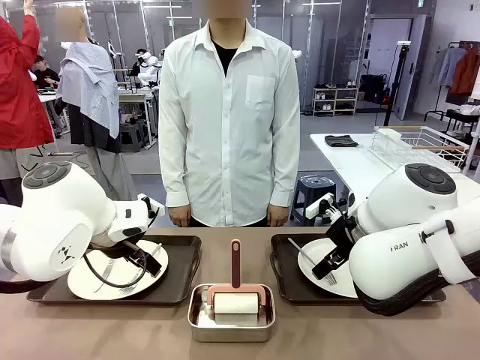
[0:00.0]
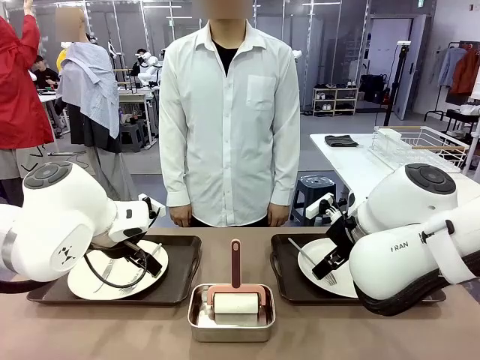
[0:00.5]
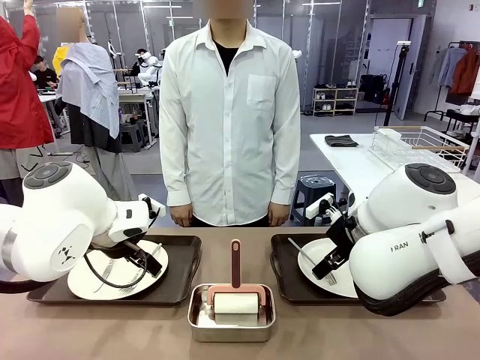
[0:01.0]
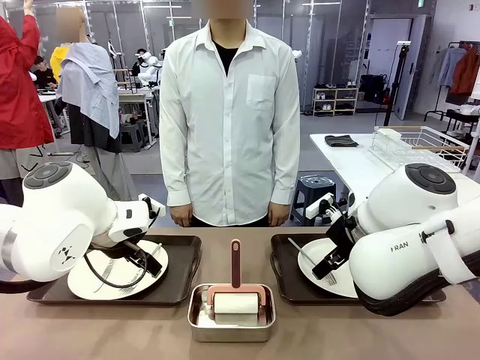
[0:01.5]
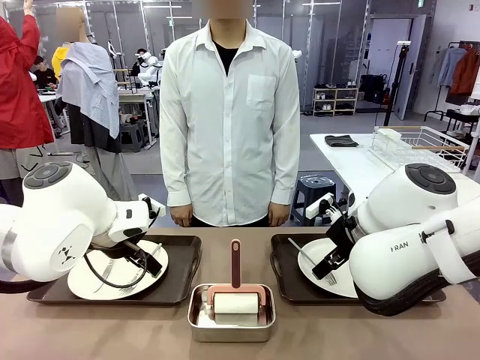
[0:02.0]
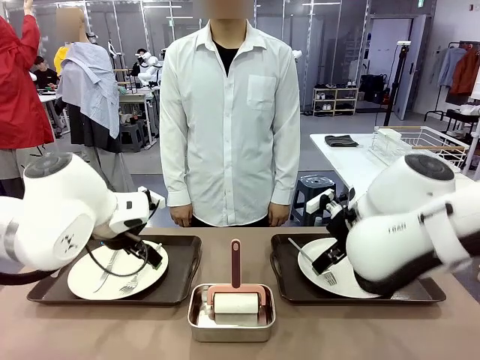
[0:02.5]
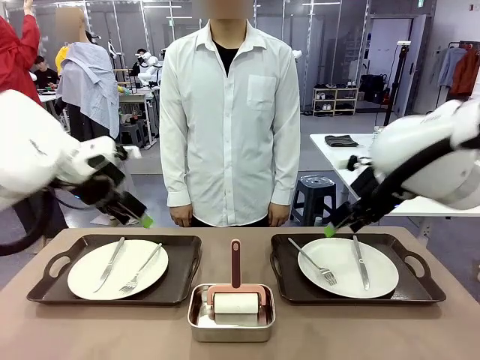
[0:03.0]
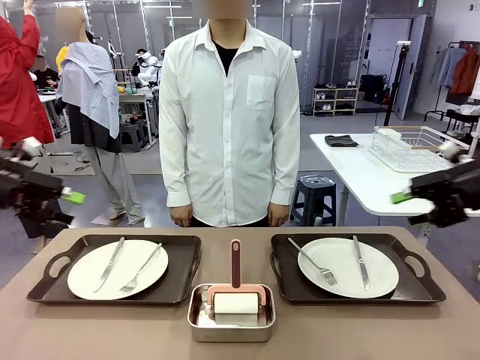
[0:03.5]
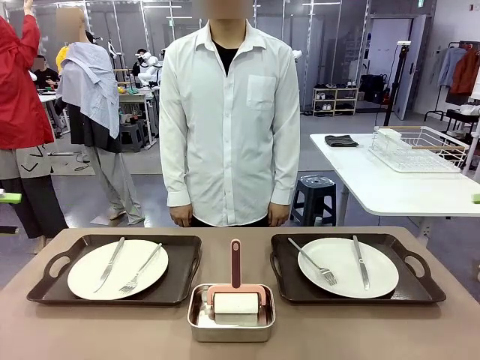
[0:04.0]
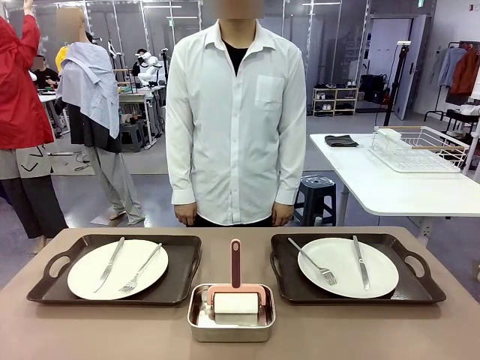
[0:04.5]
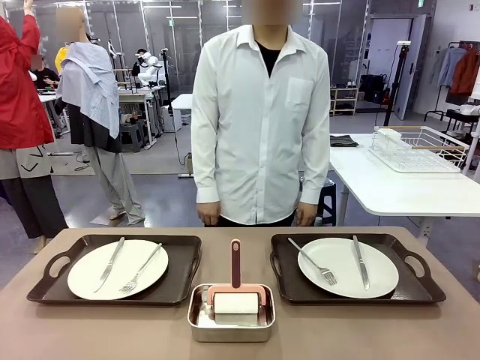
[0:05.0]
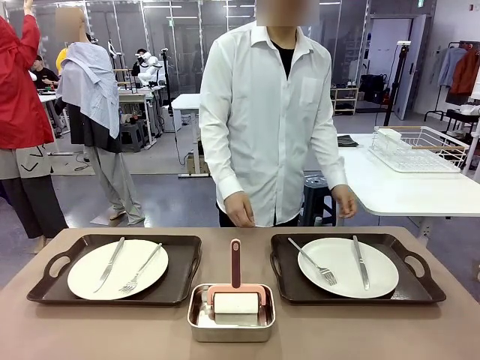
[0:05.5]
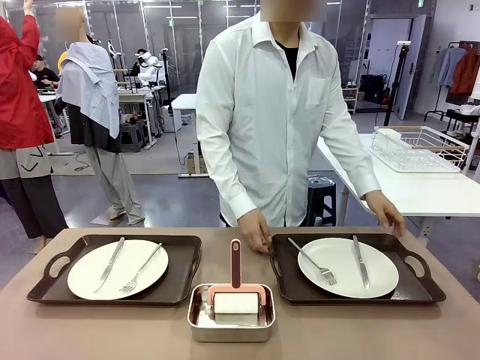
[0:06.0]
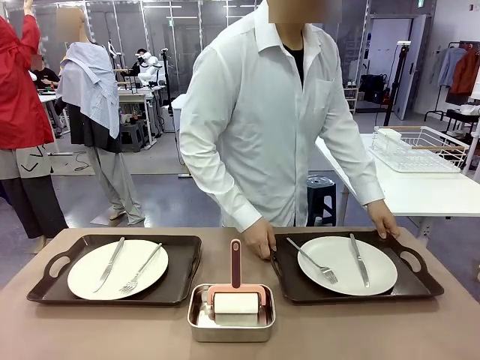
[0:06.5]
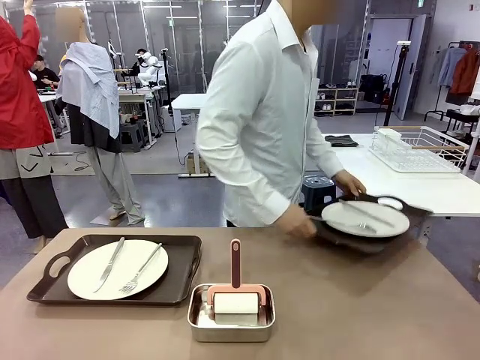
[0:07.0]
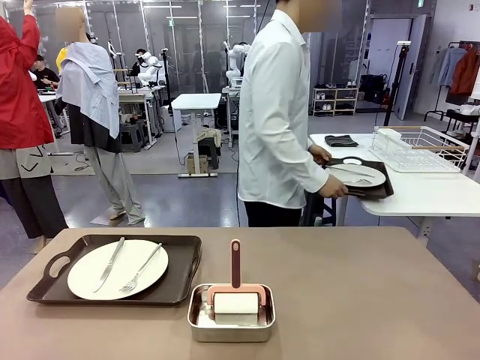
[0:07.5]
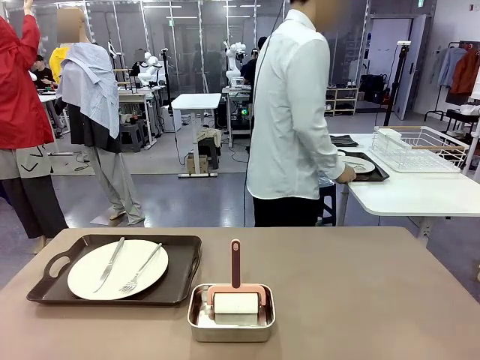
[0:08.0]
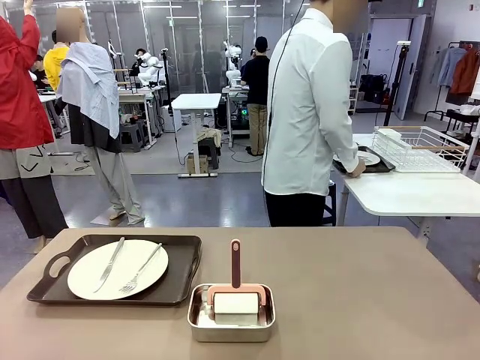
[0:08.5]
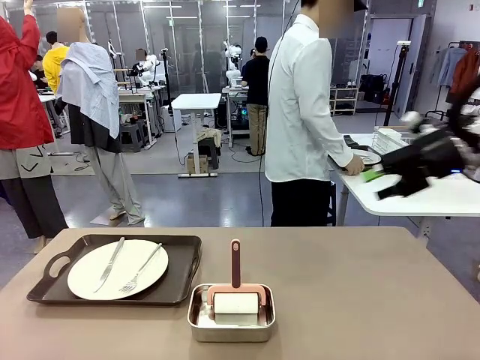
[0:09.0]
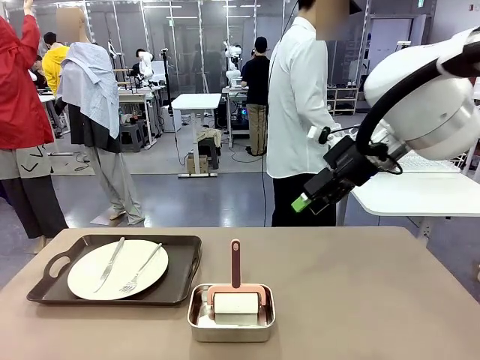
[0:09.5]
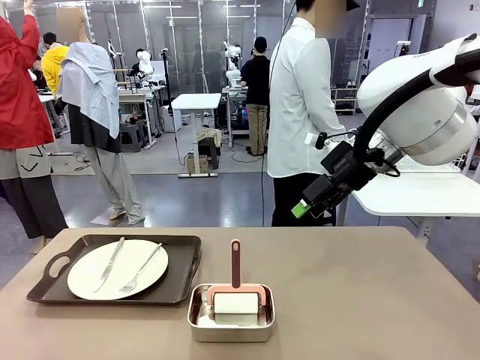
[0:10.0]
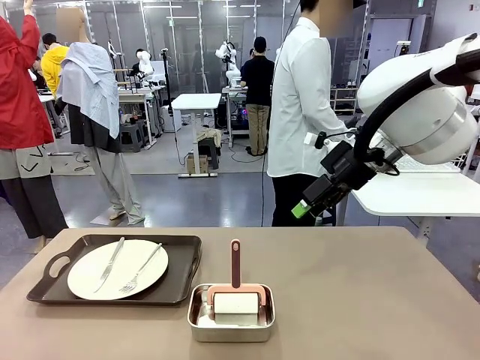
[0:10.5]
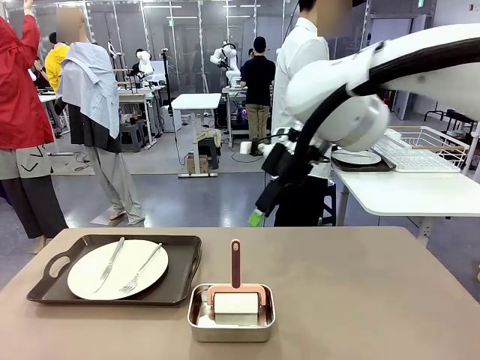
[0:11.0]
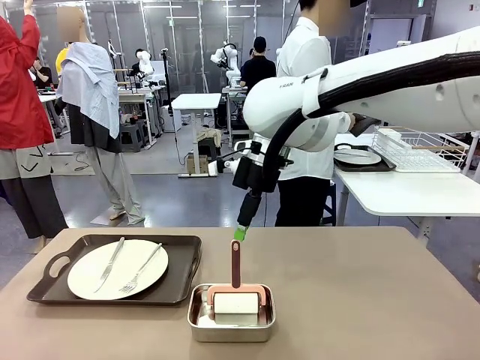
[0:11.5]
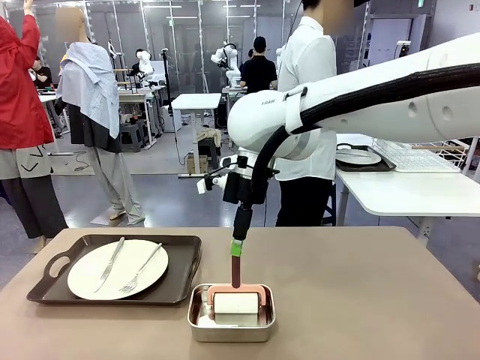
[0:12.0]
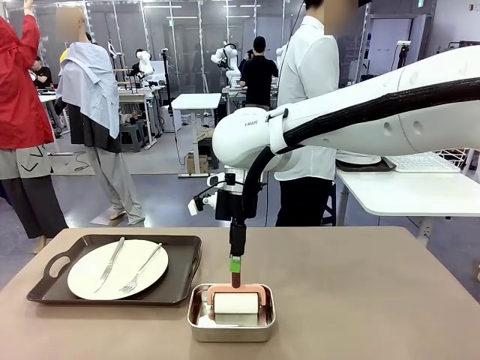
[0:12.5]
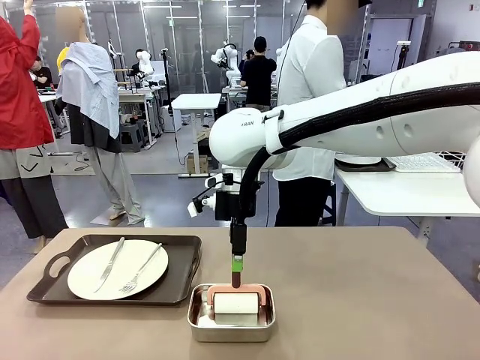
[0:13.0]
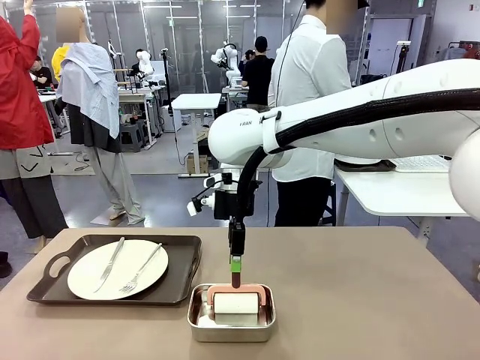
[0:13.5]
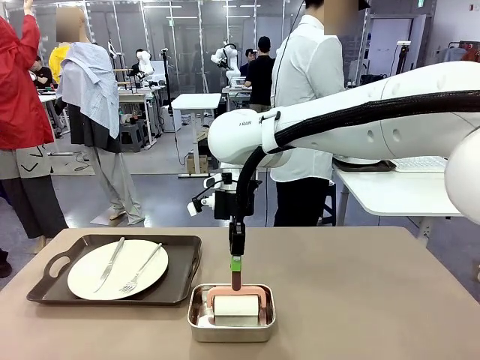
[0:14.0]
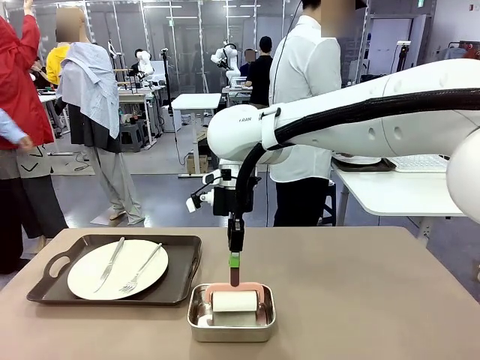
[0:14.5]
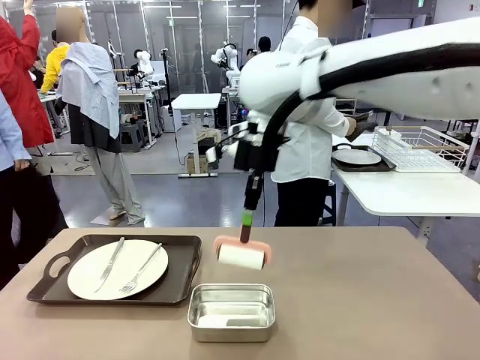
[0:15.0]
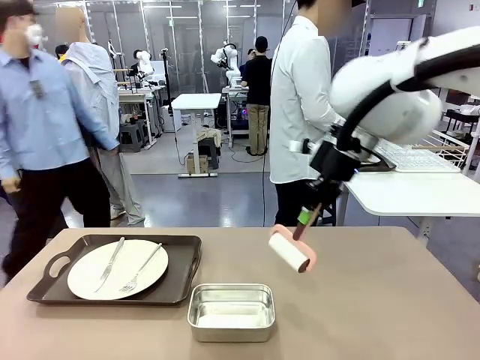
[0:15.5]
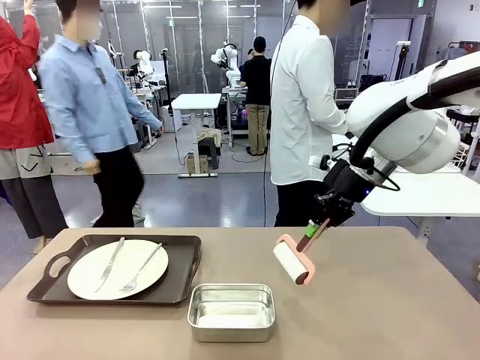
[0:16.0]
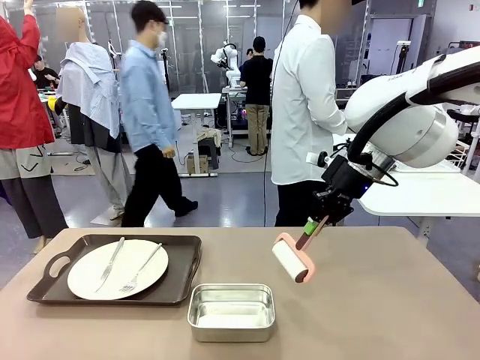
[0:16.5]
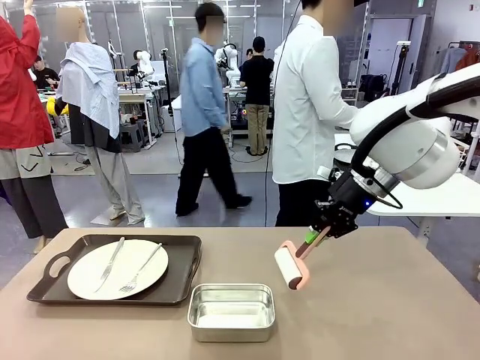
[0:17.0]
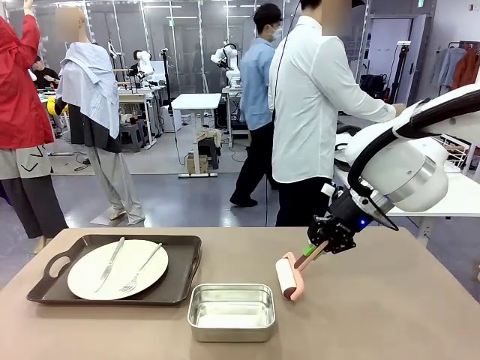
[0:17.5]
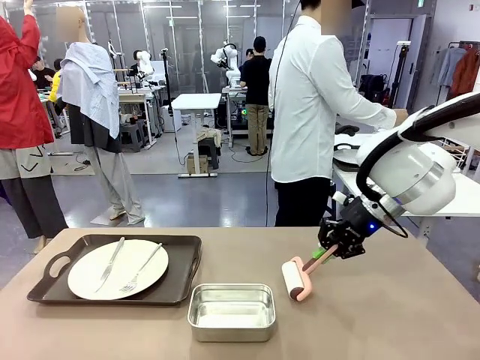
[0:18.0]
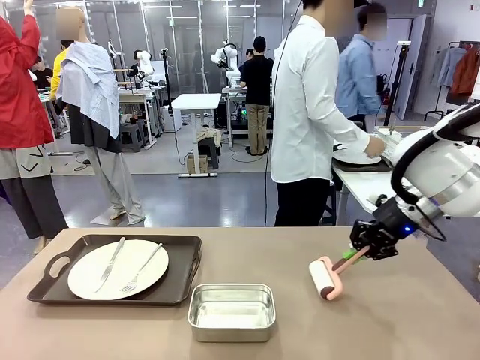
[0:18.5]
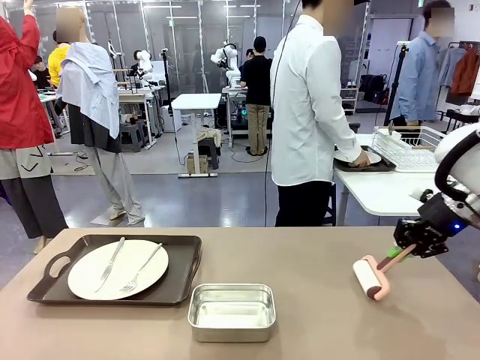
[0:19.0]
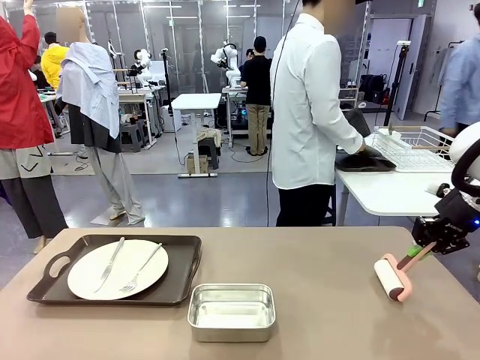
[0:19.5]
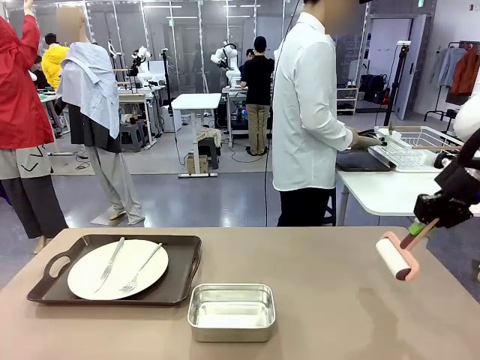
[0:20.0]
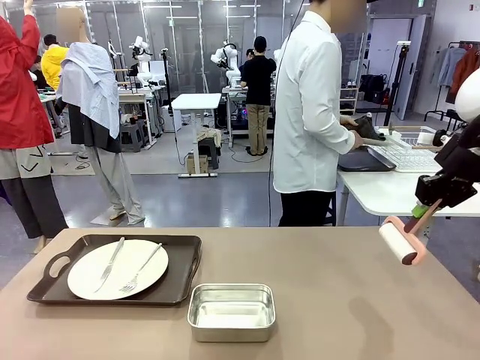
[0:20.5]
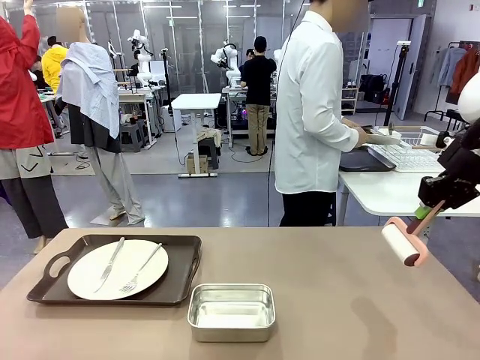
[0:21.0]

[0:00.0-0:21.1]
Robot: When the left (or right) Handle tray is removed, use the left hand (or right hand) to clean the left (or right) side of the table with the Lint Roller.
Person: Pick up the left (or right) Handle tray and place it on the middle of the Human's table. Use the Towel with hook to wipe the Plastic Matte Plate , Fork , and Knife and place into the Dish drying rack.

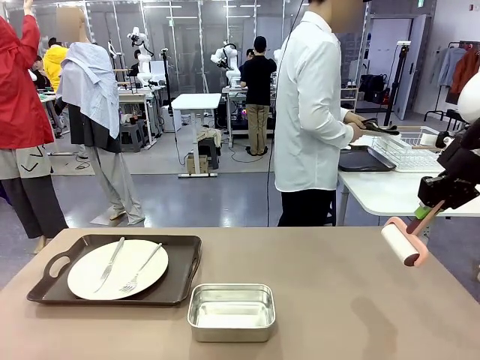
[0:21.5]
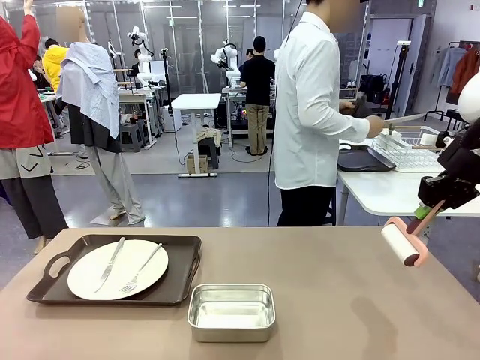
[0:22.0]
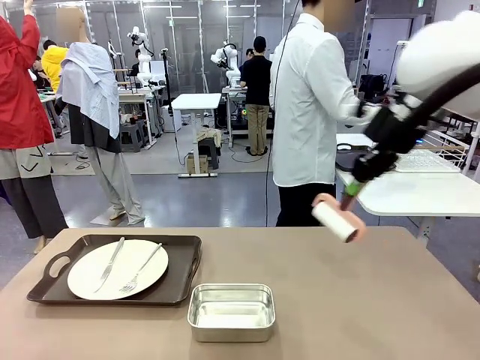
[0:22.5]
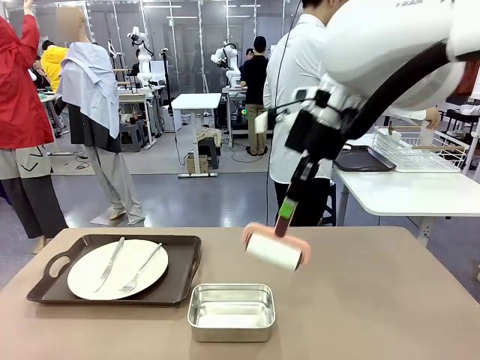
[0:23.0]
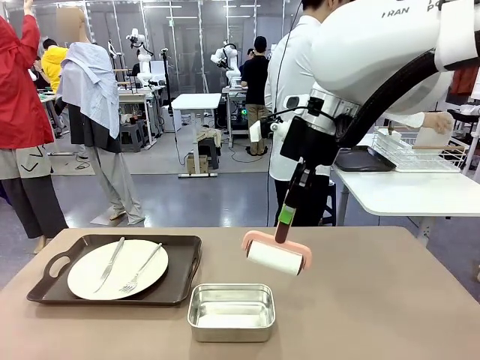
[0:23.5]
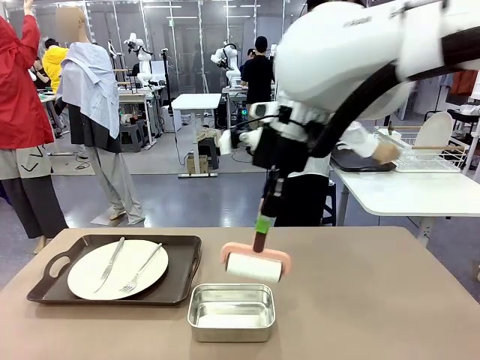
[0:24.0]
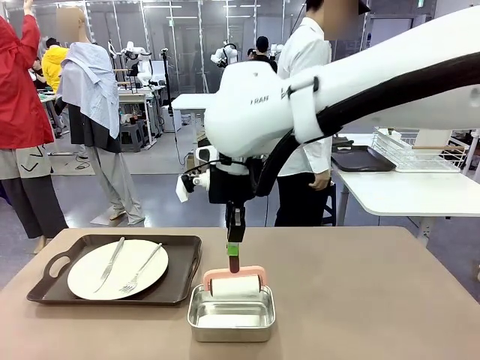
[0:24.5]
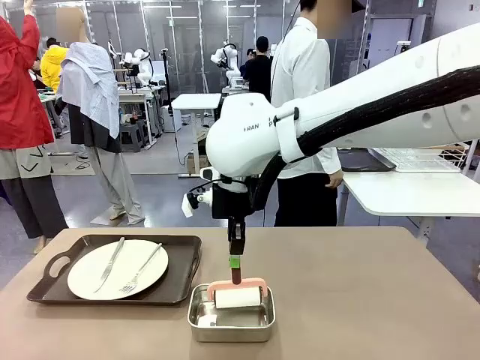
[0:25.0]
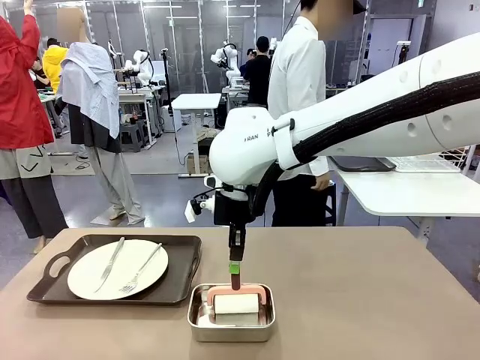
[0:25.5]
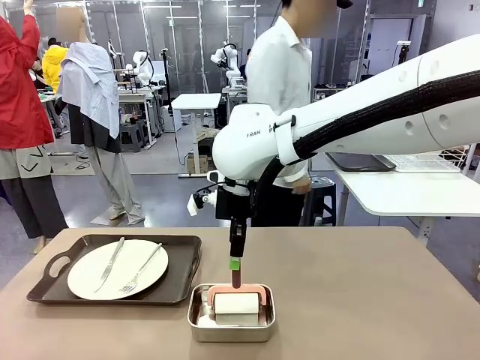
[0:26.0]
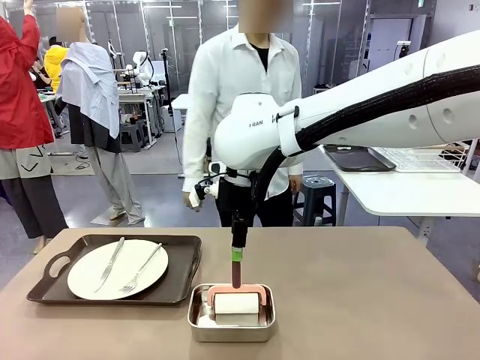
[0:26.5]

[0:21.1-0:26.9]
Robot: Place the Lint Roller back on top of the Airtight Container.
